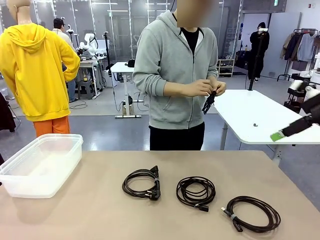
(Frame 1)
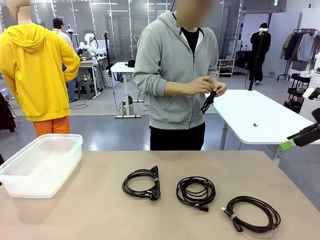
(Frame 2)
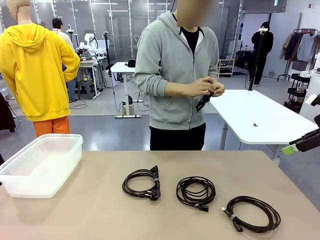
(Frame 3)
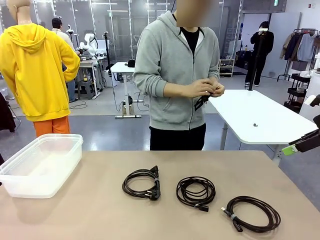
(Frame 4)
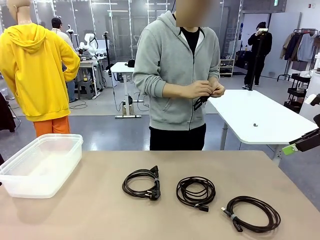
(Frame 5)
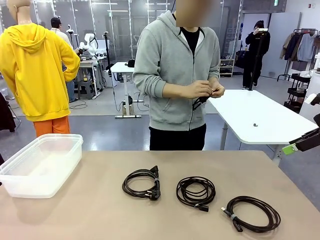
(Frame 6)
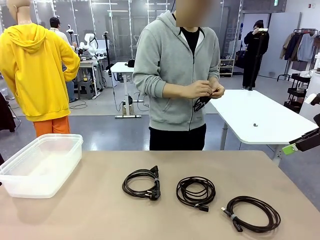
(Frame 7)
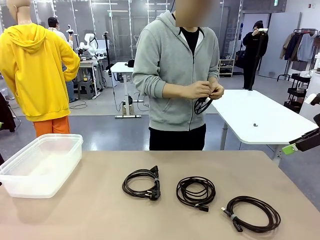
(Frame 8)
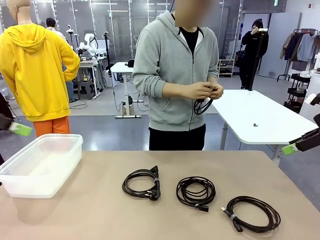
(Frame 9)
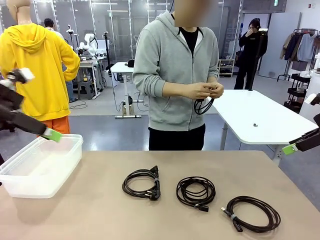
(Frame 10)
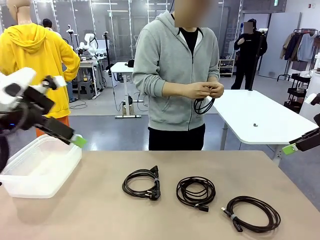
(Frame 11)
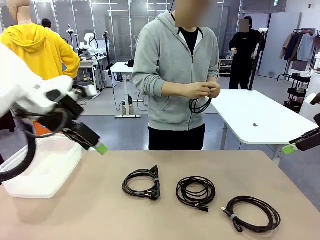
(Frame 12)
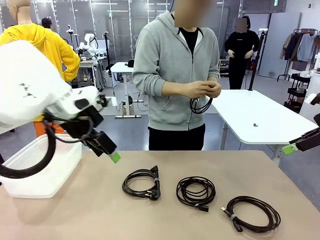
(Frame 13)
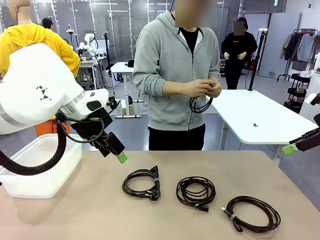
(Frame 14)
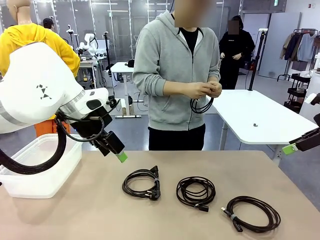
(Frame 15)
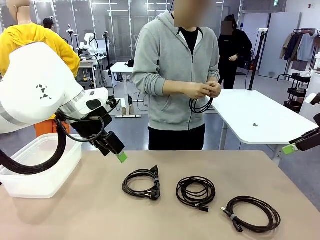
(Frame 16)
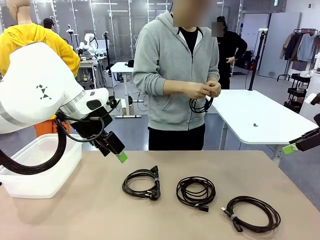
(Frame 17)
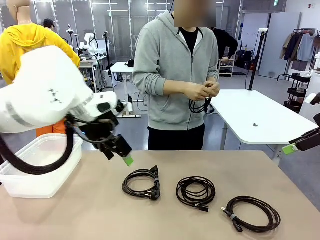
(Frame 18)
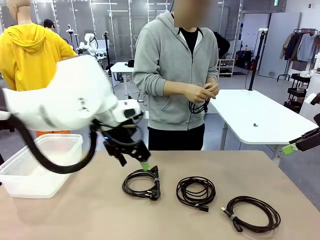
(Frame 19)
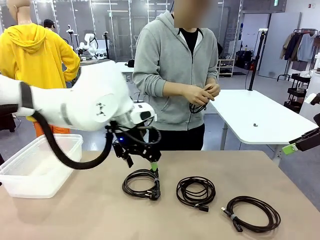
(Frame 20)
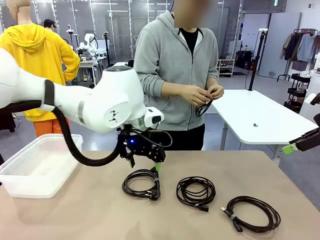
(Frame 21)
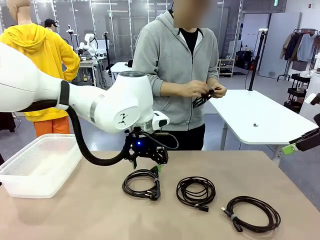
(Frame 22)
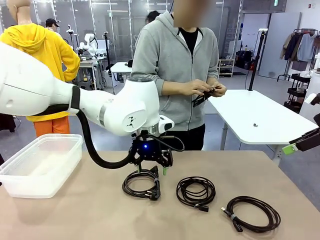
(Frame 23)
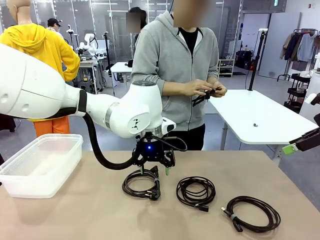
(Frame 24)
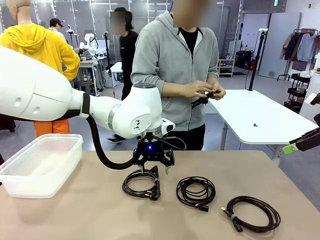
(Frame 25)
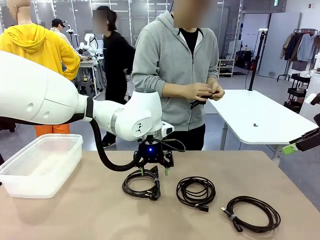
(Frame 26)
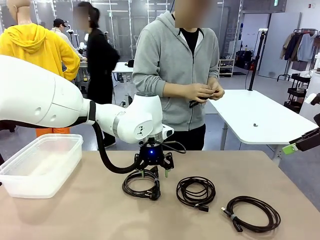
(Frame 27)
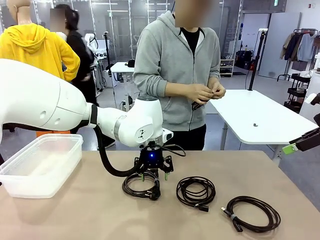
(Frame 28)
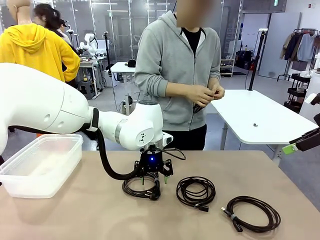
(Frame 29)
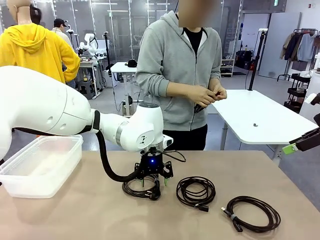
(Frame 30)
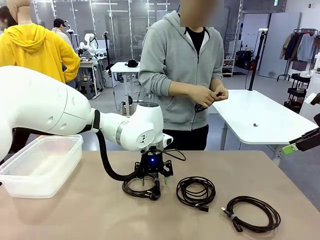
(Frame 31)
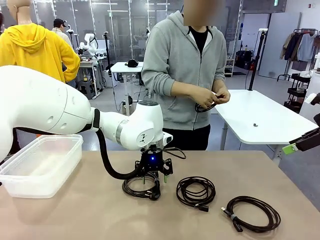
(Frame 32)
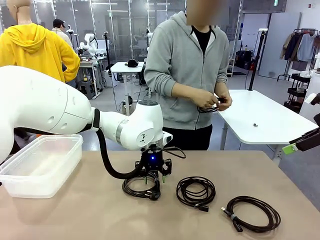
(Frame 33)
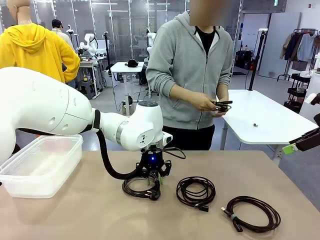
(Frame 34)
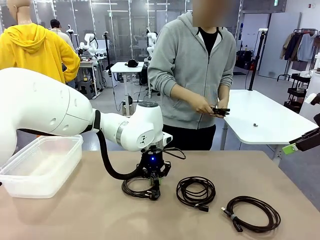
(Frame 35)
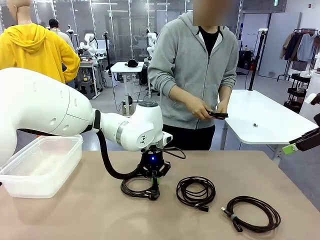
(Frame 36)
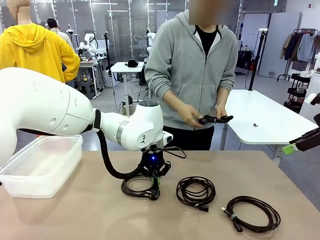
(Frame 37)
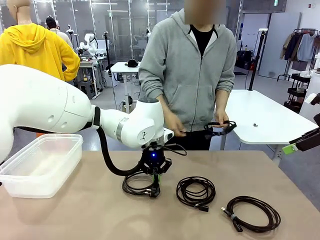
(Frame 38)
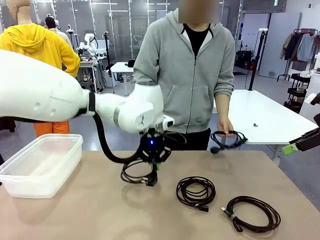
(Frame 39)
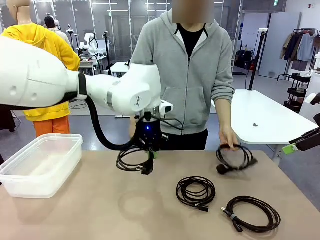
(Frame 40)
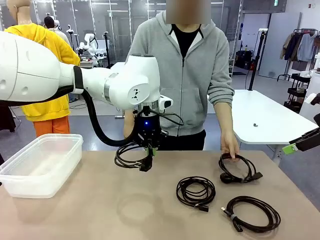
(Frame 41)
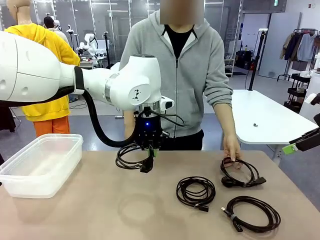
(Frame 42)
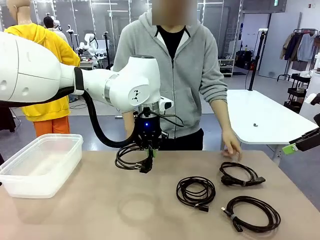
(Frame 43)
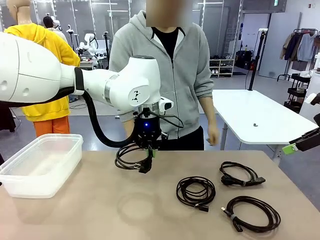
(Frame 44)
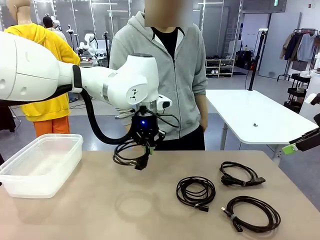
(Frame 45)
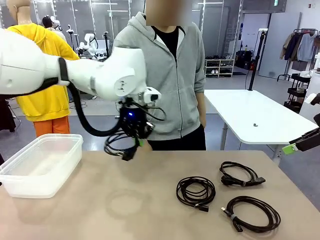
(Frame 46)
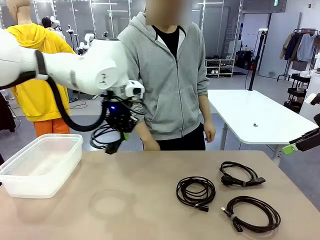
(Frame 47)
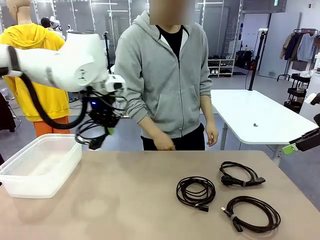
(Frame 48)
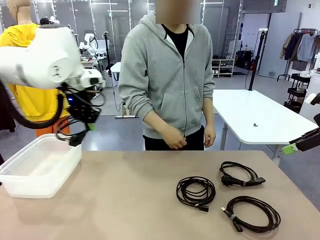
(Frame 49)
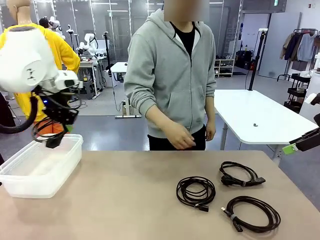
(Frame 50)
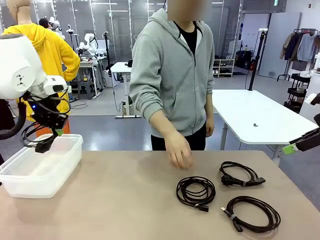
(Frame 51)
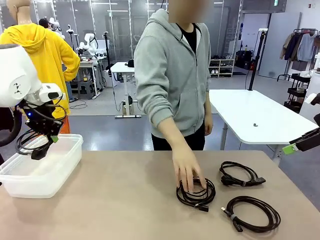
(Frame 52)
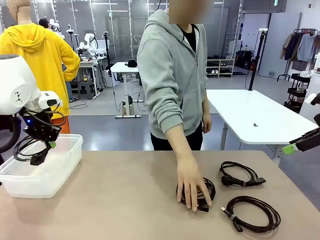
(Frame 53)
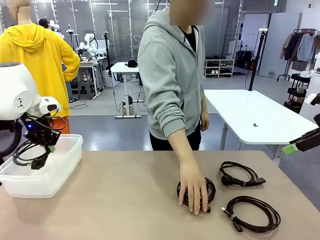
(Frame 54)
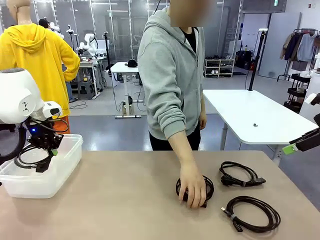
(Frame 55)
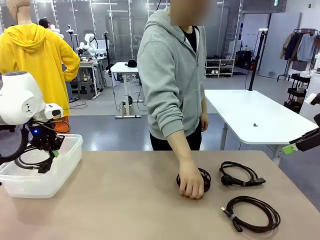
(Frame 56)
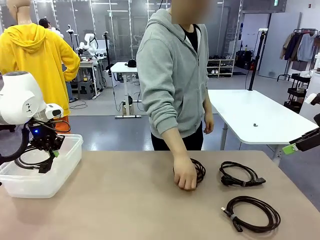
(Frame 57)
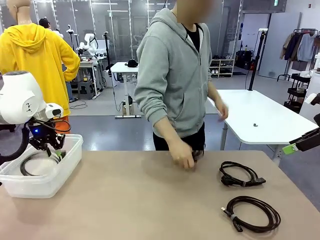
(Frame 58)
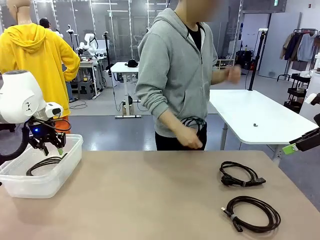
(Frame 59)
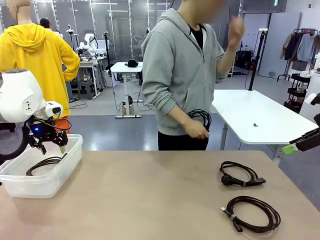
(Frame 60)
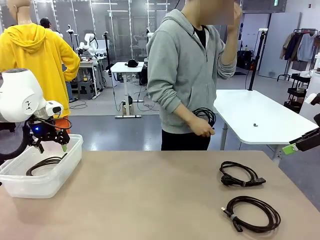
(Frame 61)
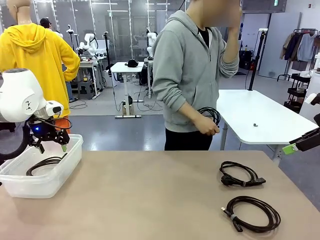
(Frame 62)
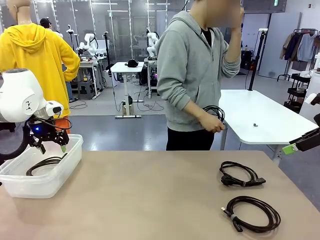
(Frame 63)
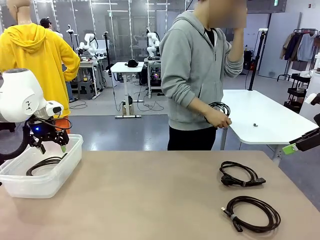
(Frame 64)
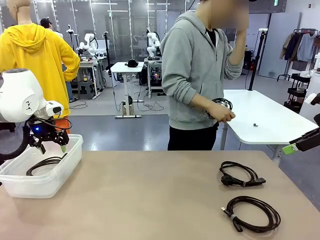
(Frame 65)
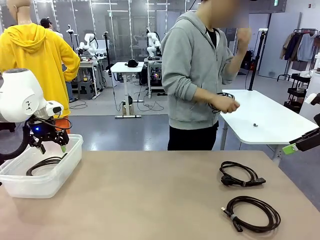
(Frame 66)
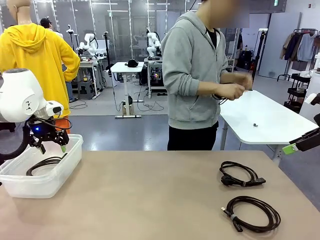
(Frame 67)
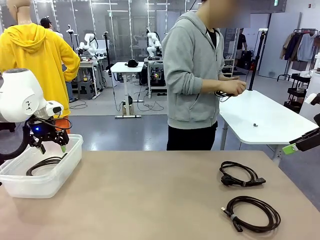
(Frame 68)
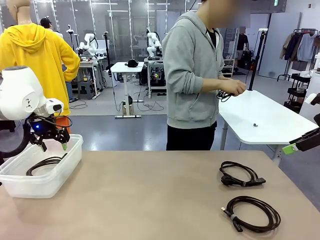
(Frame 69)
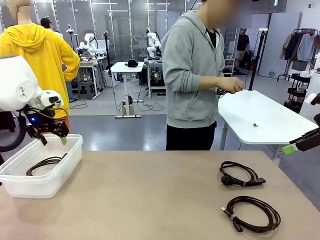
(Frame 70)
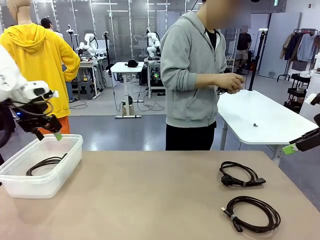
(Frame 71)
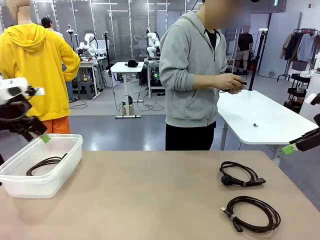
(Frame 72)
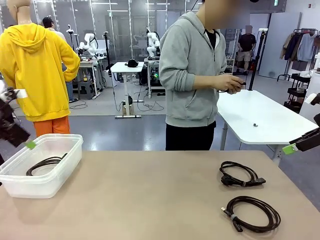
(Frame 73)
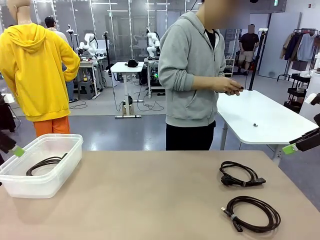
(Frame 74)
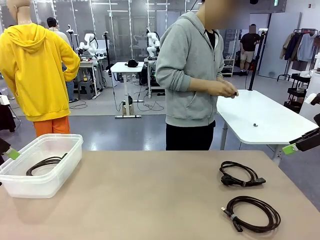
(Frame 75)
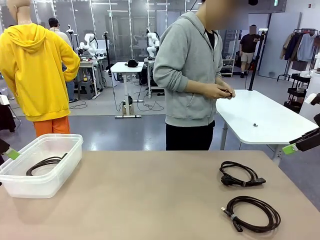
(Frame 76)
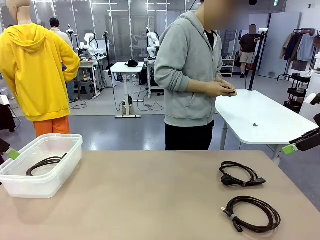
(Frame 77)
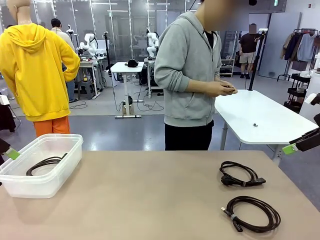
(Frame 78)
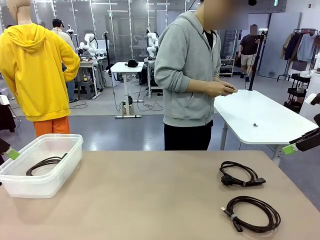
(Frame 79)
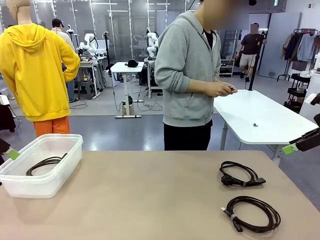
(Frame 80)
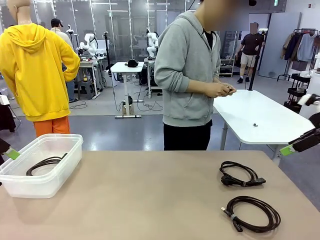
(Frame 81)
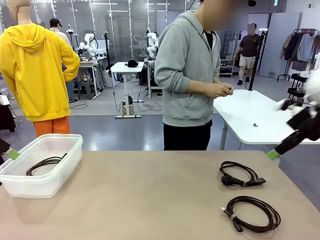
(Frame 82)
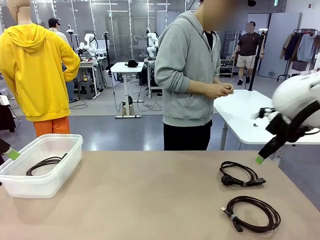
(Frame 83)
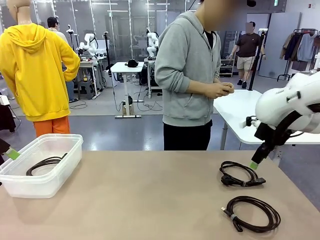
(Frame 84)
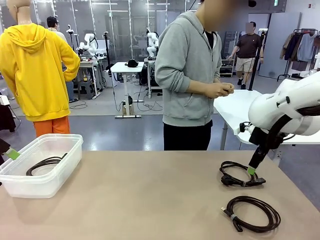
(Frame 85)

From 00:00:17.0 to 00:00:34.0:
Task: Organize and store the cables.
Robot: Place the Power Cable into the Organizing box.
